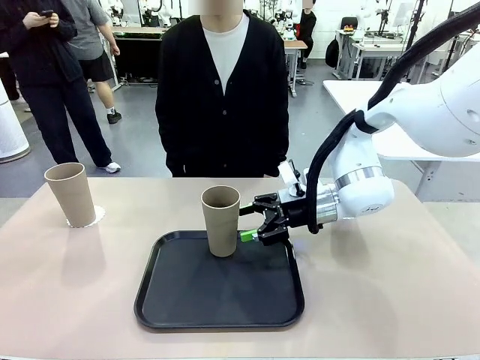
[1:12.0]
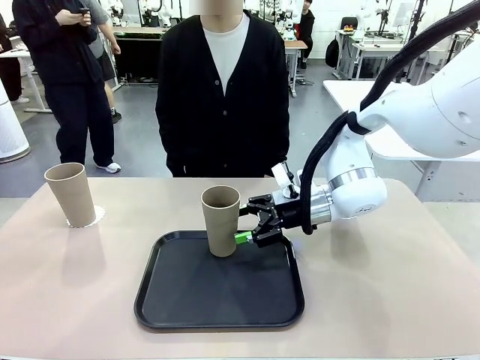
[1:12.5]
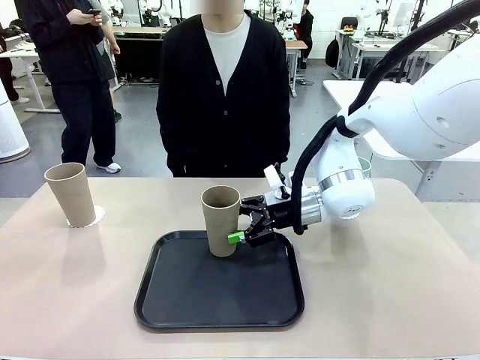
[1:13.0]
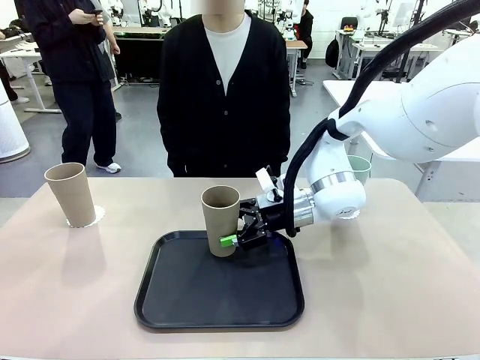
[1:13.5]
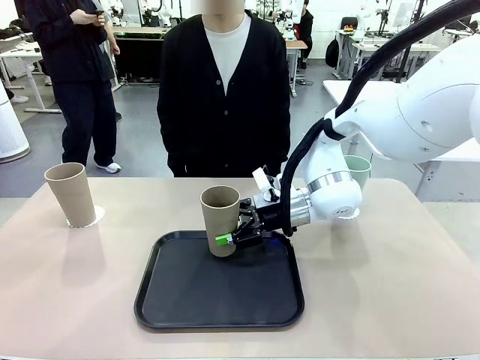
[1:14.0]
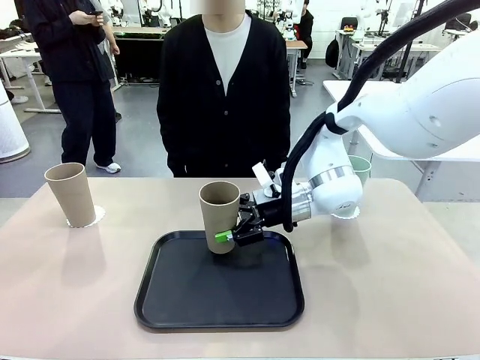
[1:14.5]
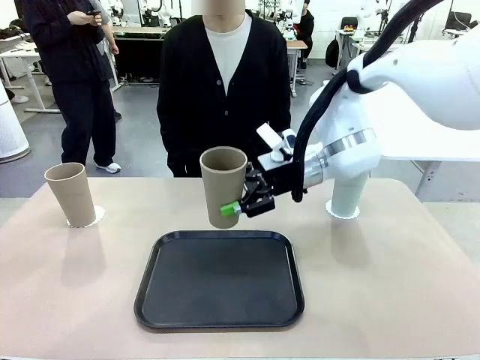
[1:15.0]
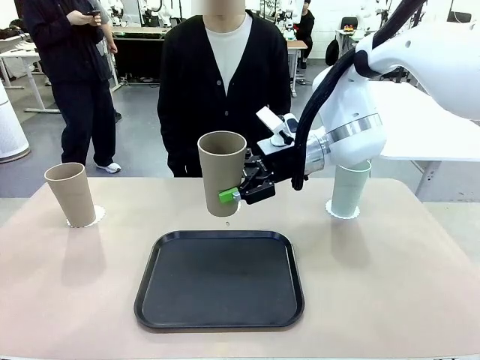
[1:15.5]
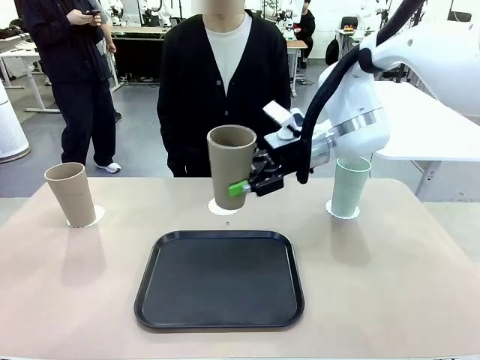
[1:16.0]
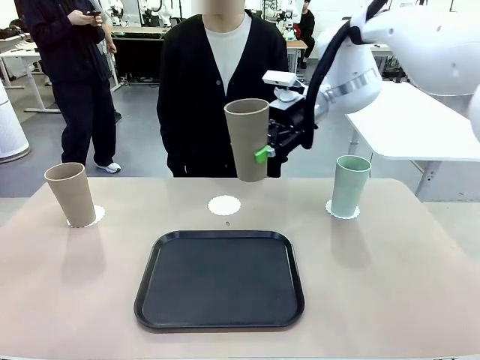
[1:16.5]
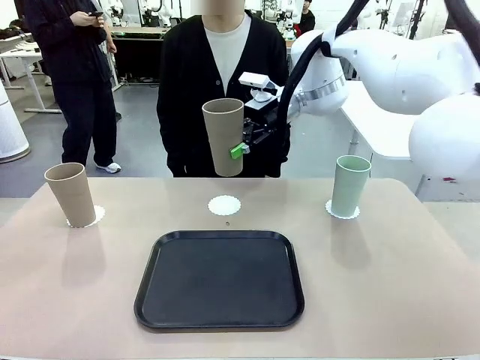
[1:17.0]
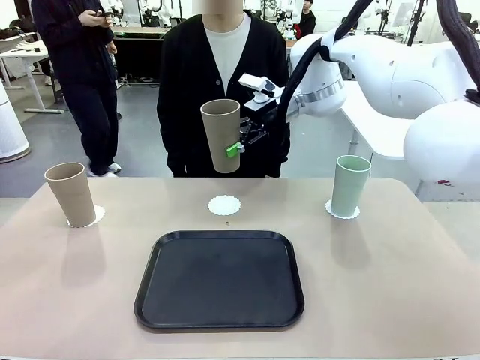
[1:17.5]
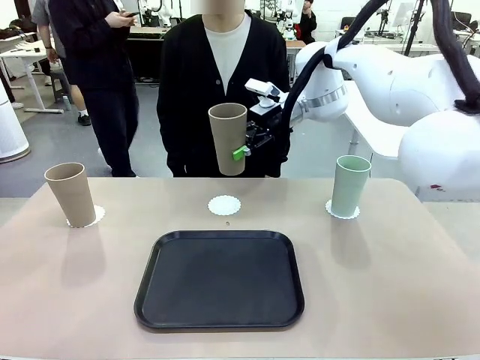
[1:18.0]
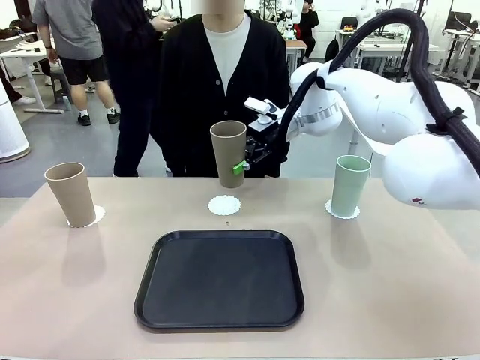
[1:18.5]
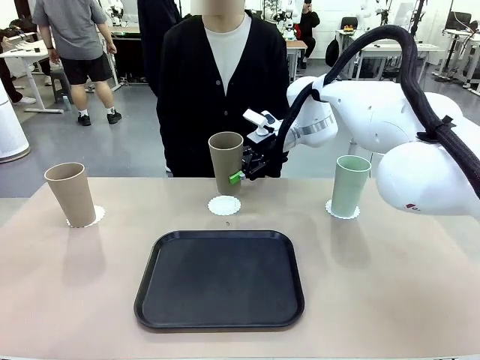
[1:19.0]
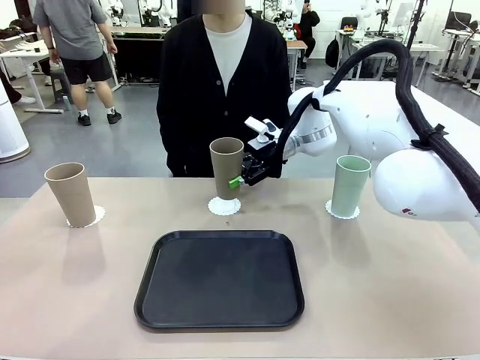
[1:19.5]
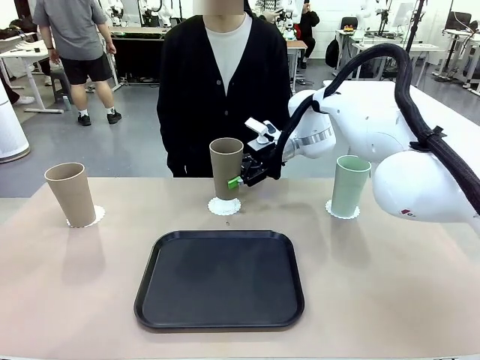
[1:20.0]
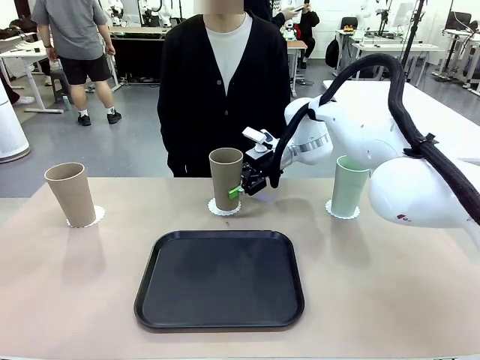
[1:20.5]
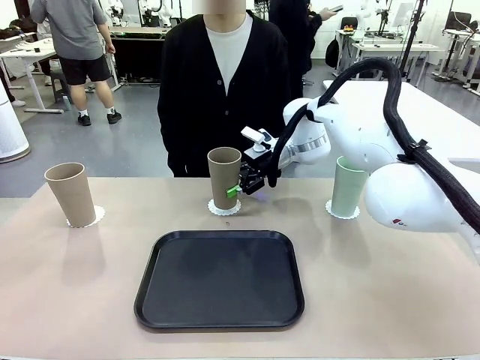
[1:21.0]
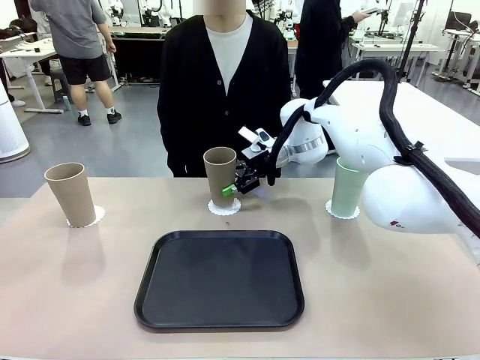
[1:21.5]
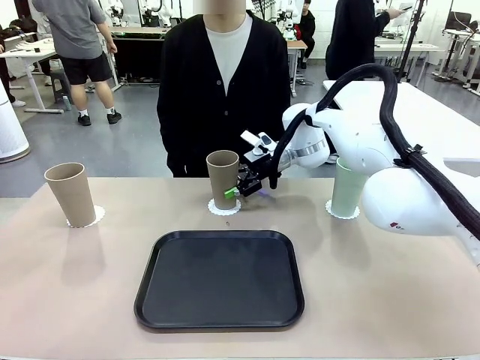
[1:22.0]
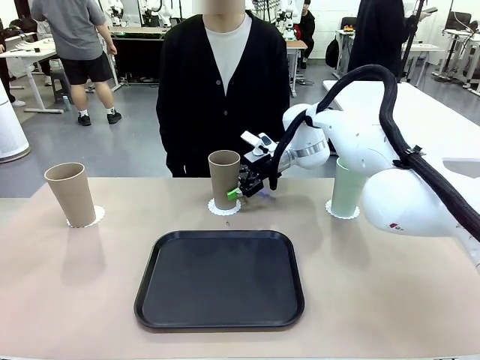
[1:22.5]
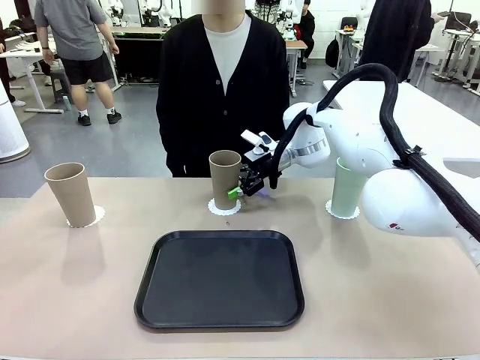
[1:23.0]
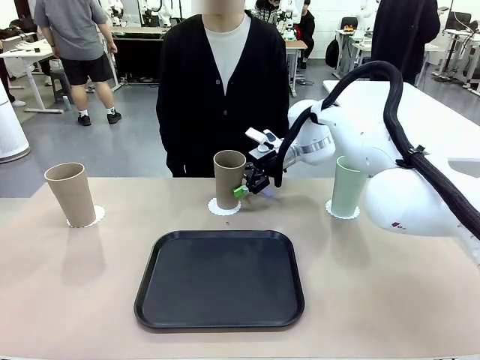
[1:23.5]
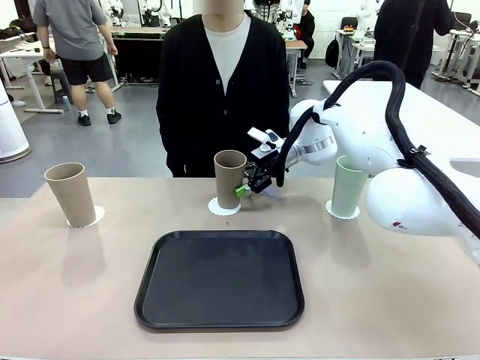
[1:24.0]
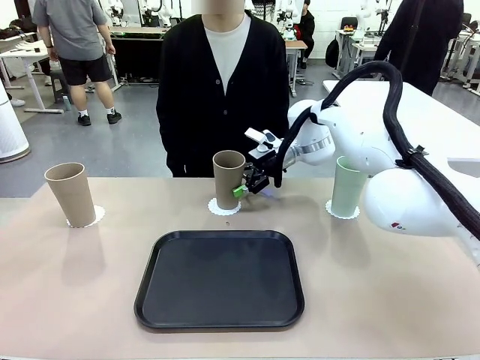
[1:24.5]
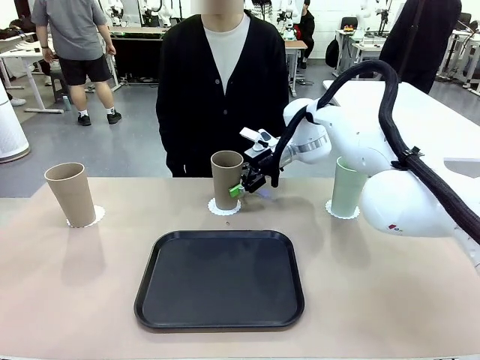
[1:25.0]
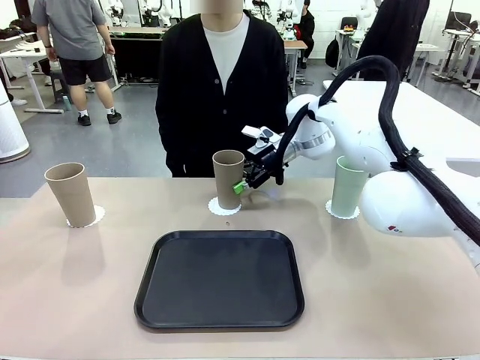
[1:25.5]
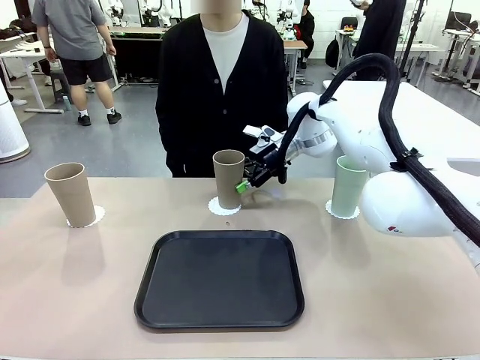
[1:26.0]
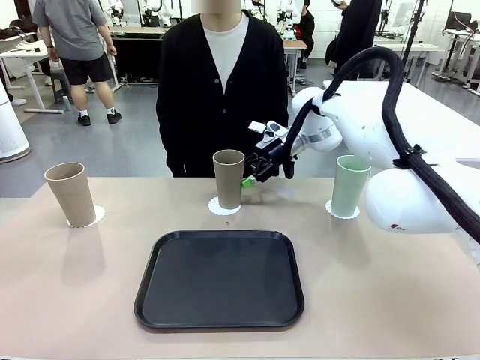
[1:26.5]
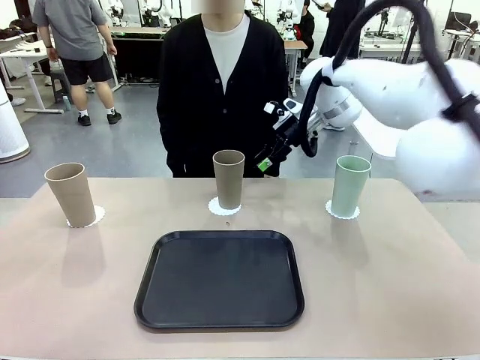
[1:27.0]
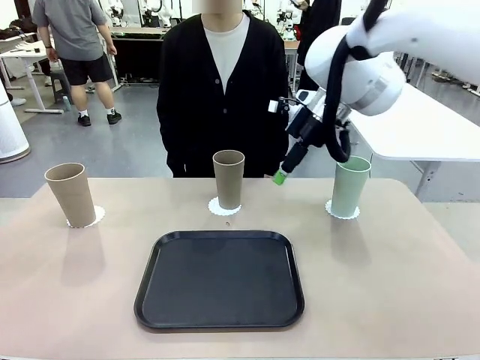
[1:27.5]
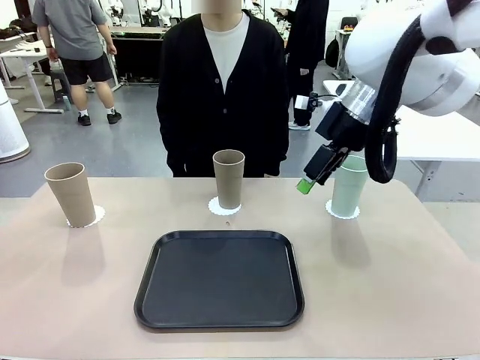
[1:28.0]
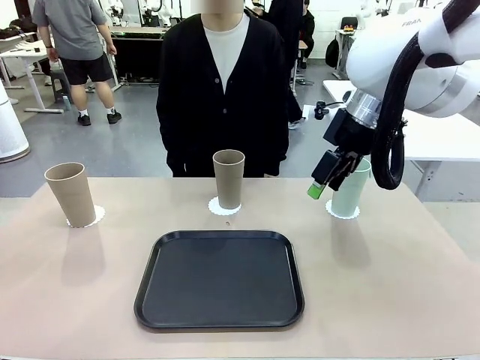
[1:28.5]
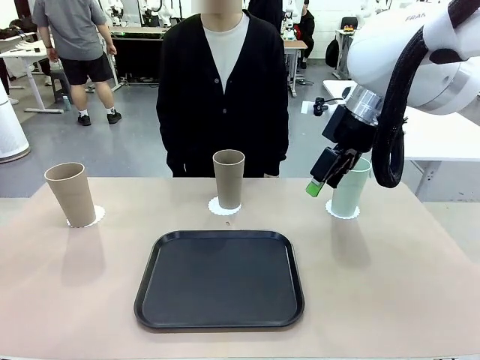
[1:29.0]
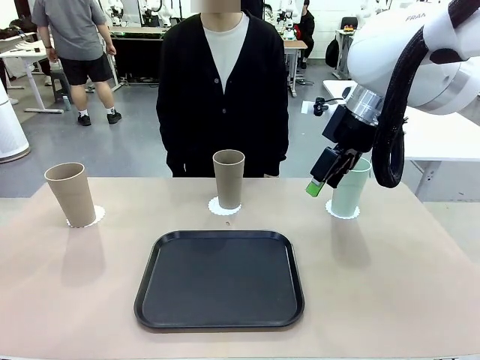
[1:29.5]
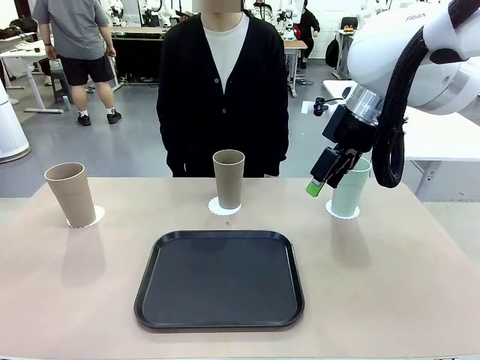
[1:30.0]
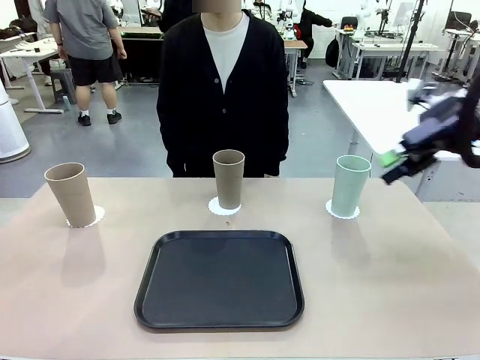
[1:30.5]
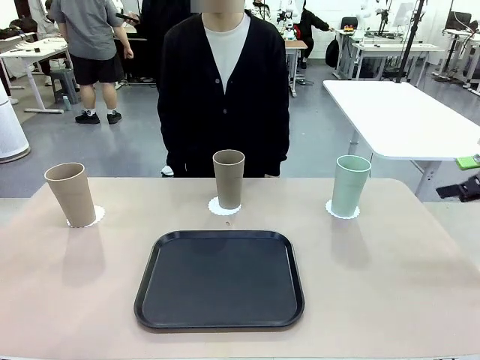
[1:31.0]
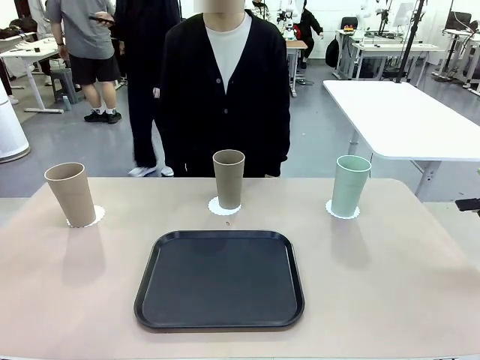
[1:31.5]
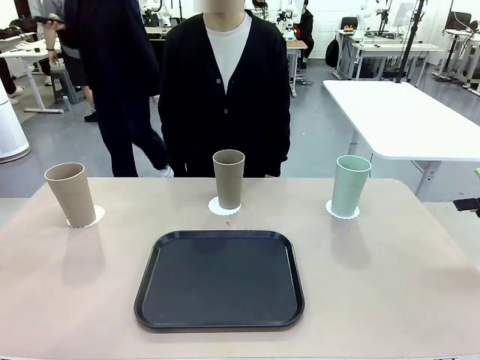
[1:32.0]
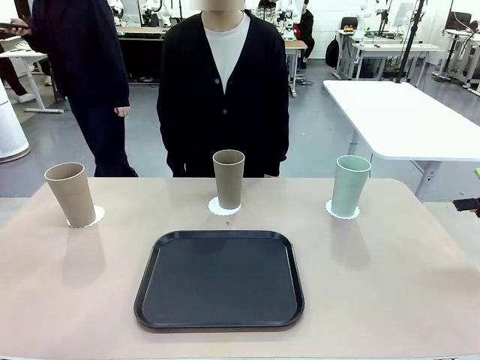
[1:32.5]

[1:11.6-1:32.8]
Task: Place coasters on the table and set cups on them.
Robot: Take one Reusable plastic cup from the Flat Tray and place it on a coaster set by the human.
